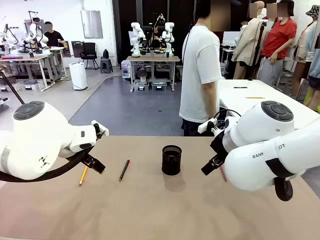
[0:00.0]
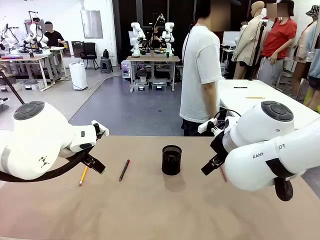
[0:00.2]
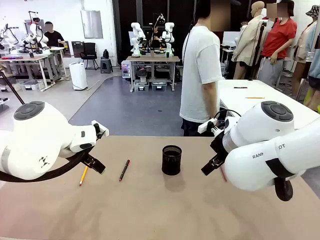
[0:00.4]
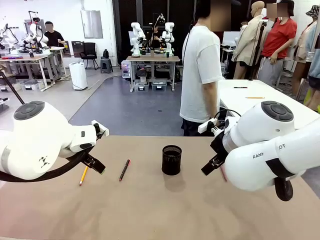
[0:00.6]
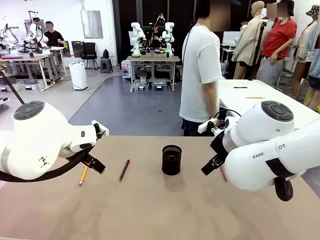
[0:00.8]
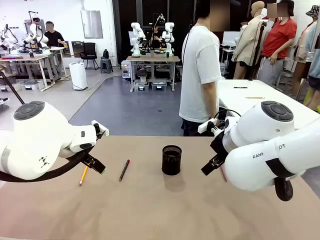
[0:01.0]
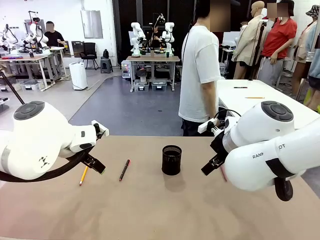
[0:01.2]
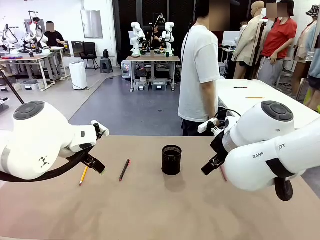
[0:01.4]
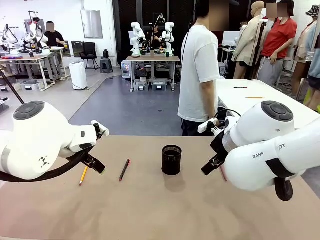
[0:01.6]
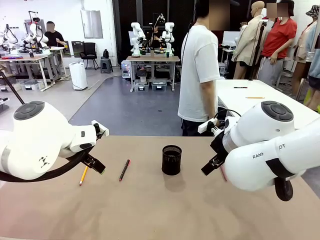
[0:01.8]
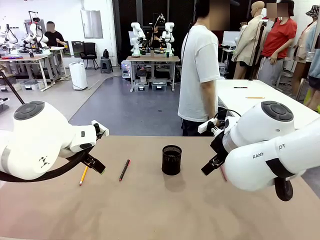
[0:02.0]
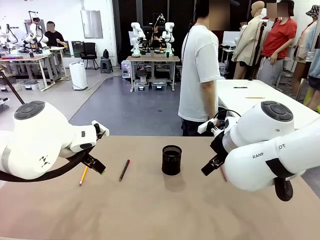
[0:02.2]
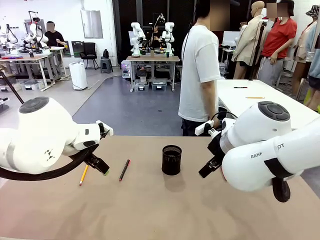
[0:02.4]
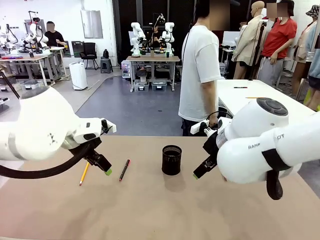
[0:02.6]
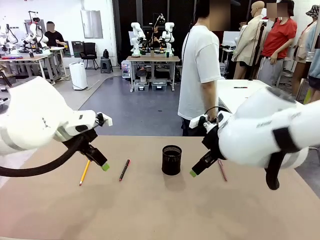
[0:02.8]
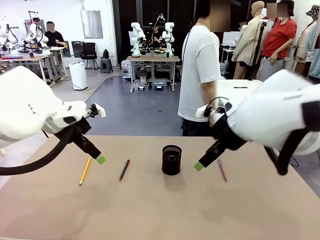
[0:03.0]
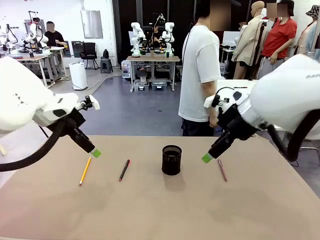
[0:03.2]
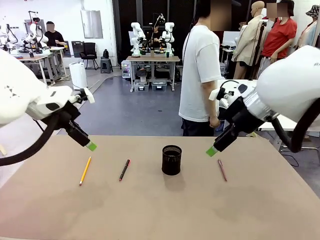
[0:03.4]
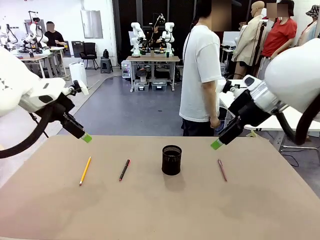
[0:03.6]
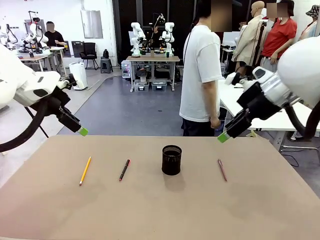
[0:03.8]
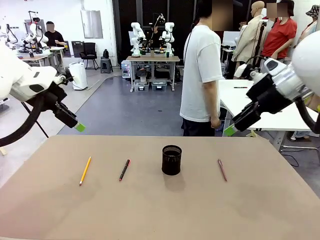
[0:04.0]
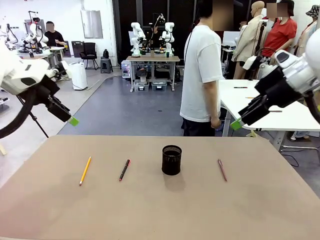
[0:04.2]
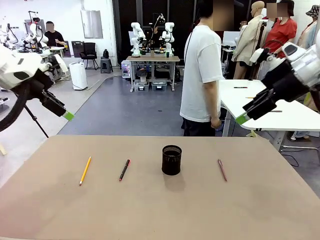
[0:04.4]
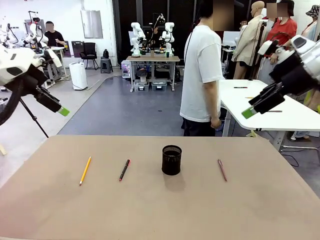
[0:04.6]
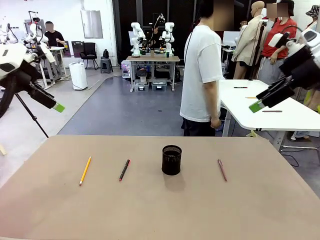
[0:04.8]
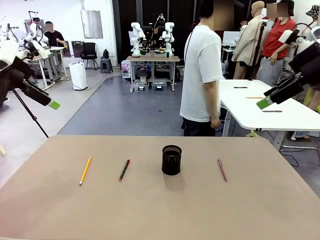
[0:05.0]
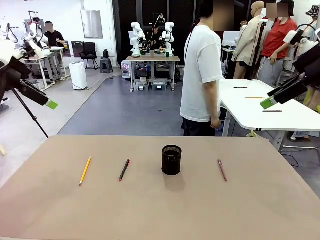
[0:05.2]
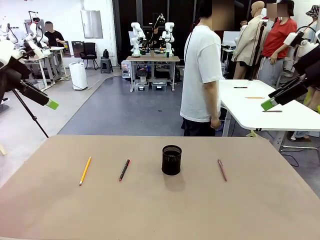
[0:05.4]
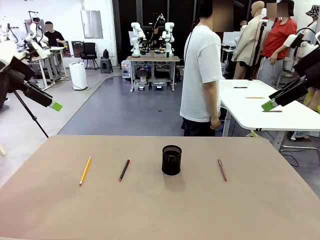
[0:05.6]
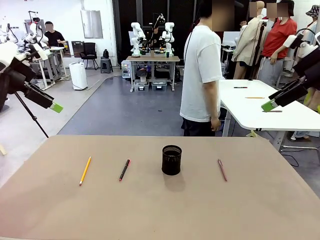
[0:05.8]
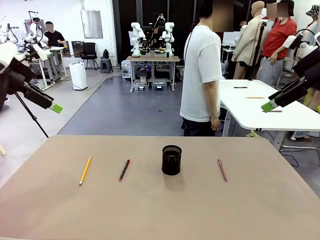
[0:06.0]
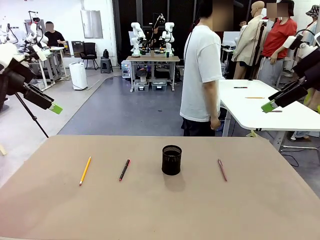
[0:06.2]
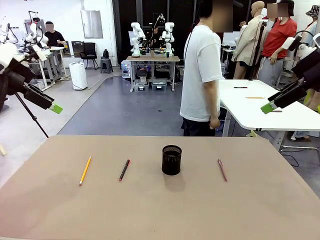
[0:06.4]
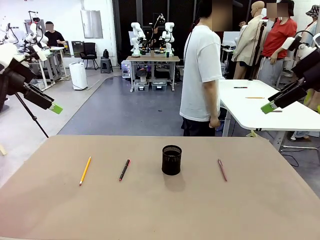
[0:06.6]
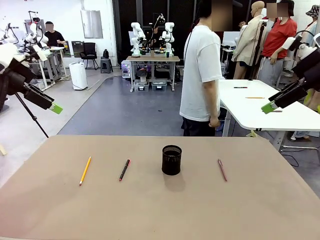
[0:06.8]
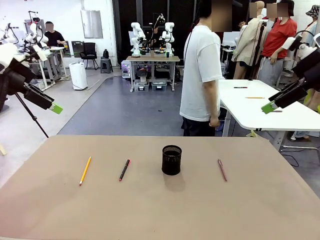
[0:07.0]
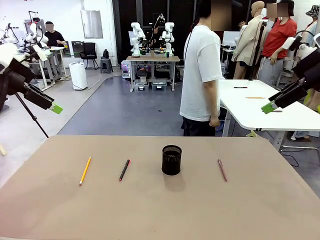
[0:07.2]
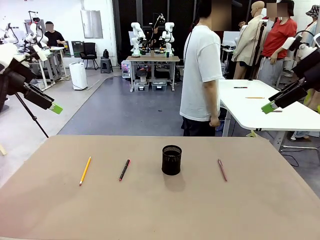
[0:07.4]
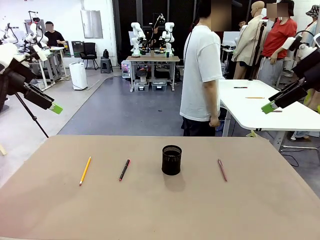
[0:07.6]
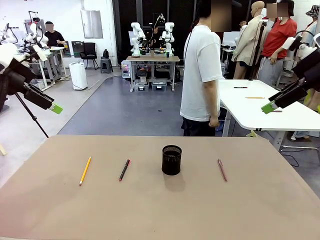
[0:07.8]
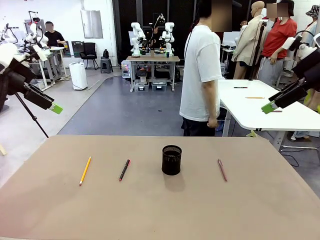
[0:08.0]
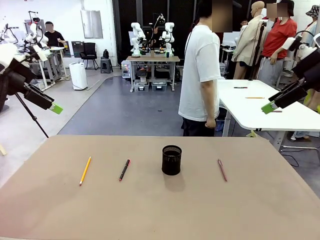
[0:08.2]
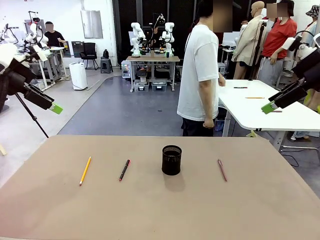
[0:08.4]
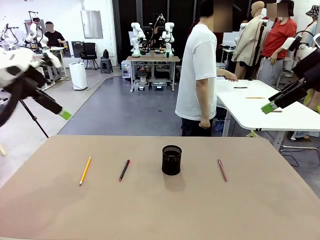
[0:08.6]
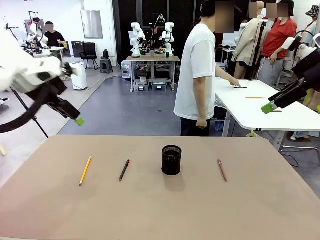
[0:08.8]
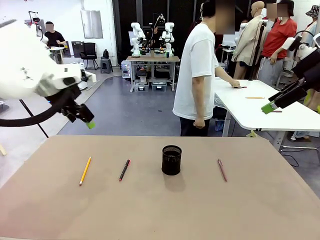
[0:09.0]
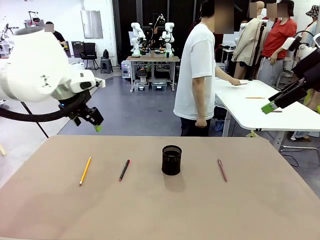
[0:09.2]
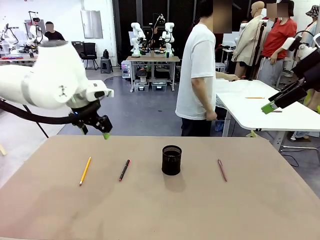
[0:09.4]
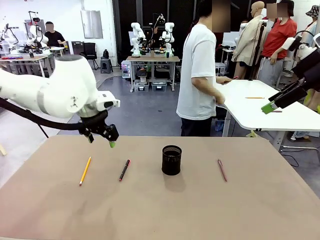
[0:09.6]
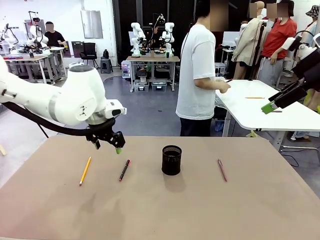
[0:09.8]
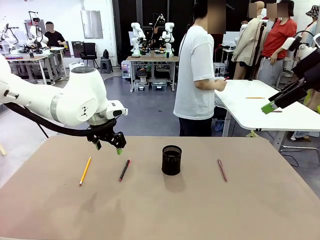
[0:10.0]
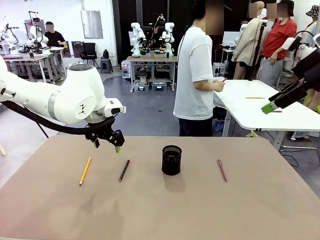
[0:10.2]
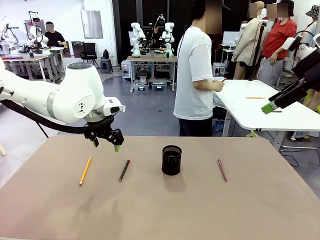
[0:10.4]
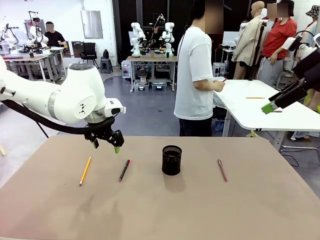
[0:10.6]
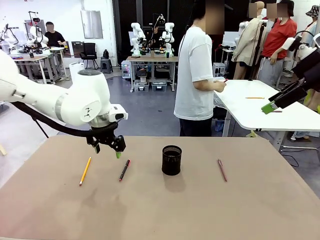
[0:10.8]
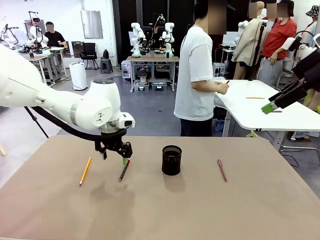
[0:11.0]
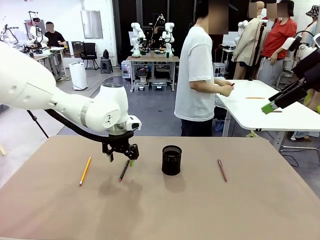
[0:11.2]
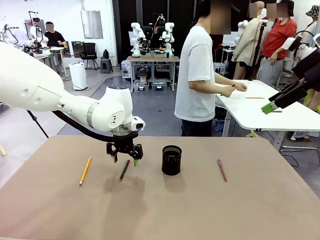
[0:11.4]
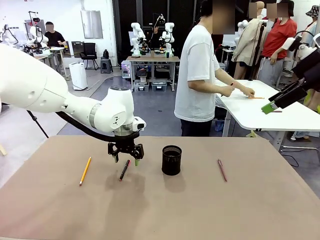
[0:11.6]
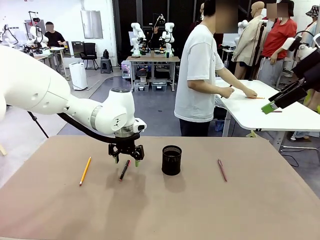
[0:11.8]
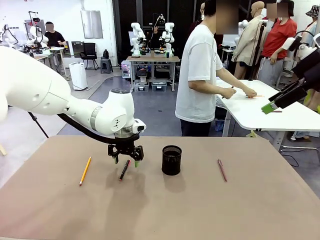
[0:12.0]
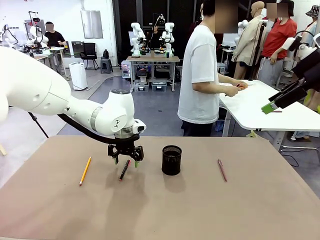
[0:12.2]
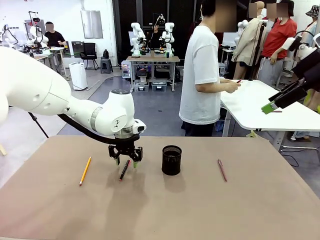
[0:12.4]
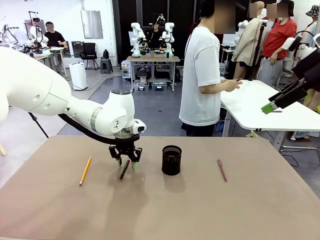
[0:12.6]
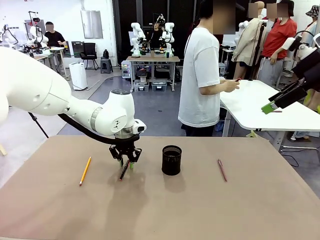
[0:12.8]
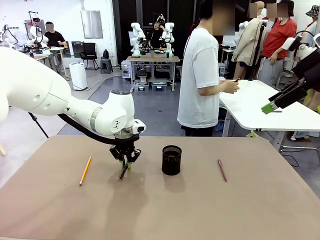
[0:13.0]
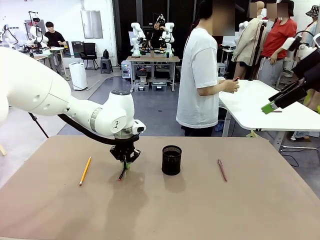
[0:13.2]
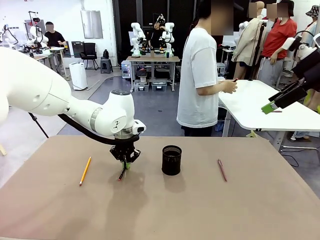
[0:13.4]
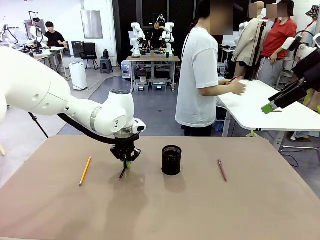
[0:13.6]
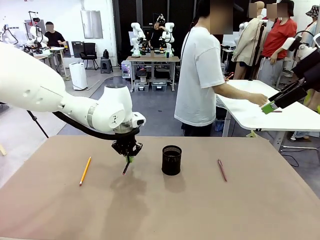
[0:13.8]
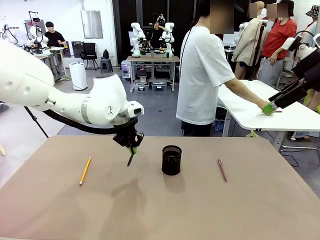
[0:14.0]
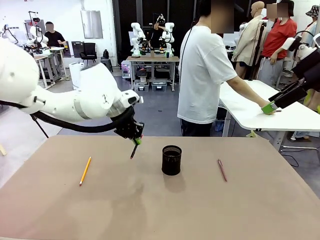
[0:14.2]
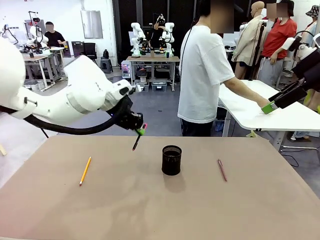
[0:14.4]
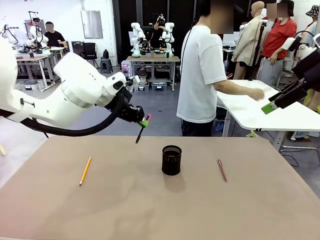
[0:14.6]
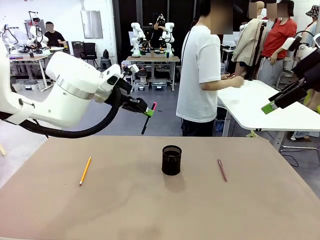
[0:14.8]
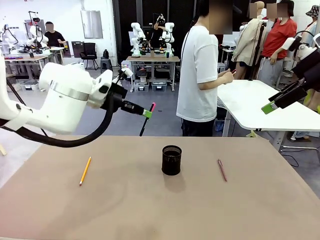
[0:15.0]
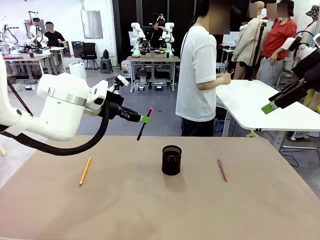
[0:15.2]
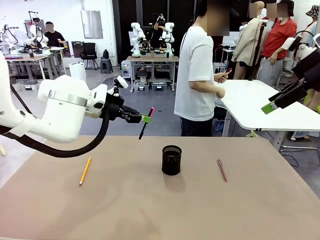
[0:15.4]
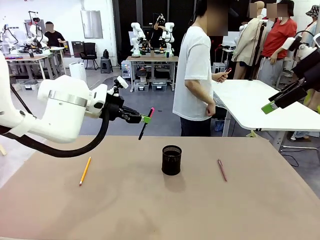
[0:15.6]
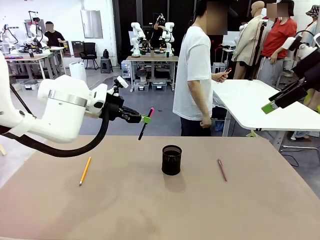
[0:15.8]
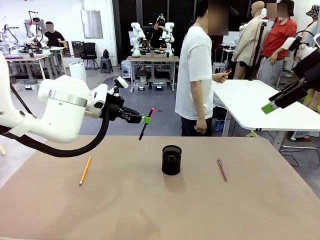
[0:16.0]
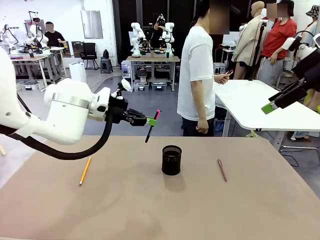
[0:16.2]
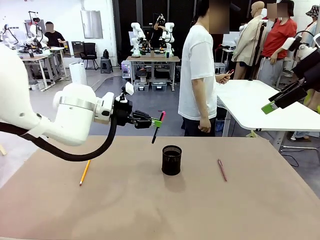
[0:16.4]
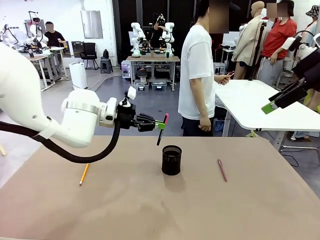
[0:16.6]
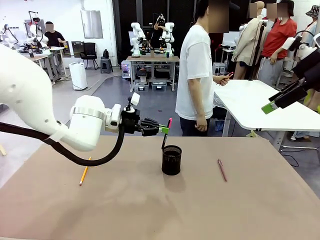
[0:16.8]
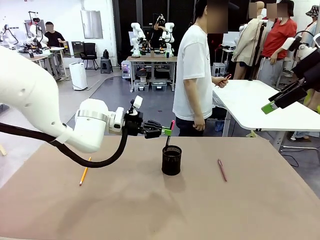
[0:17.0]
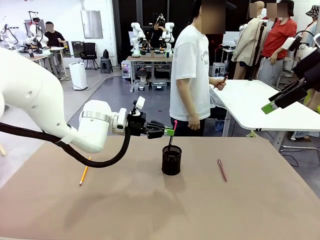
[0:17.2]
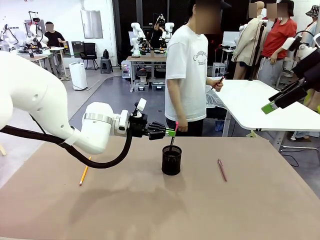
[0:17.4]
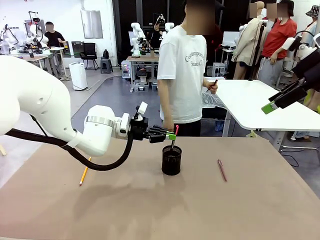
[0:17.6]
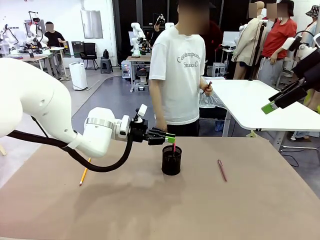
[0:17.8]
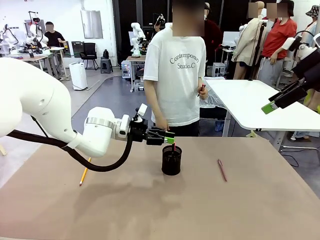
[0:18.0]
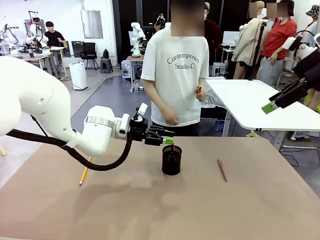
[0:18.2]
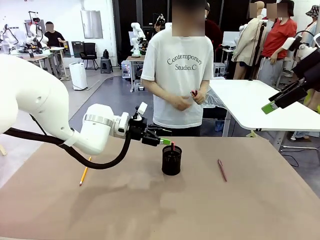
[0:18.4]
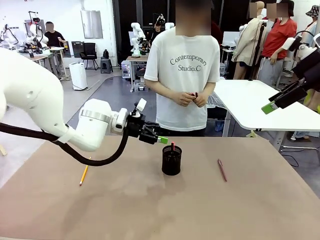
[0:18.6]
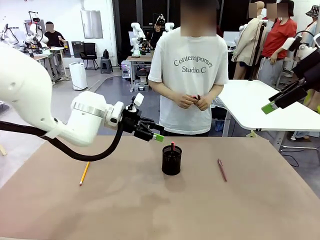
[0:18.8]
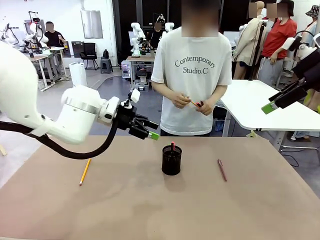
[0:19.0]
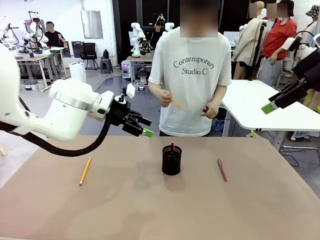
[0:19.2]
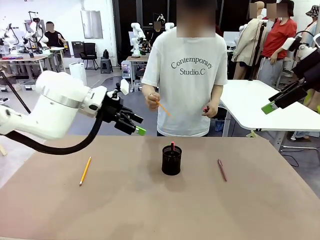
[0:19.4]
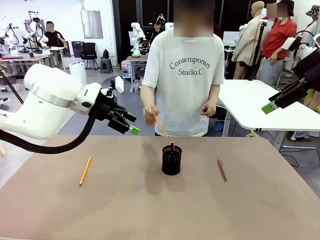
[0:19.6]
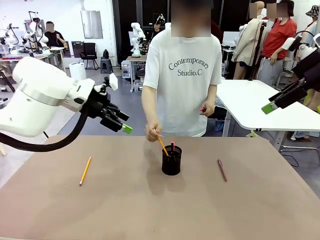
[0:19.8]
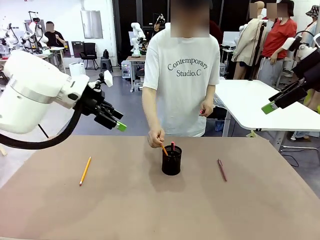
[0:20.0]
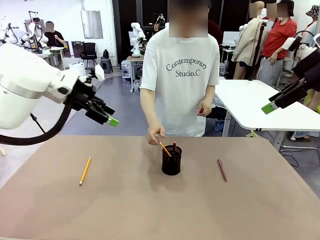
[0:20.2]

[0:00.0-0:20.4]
Task: Place the pens into the pen holder.
Robot: Pick up a writing instrument from the table and place it into the Pen holder.
Person: Pick up all writing instruments from the Human table.
